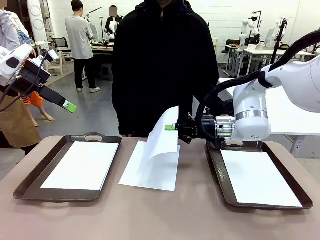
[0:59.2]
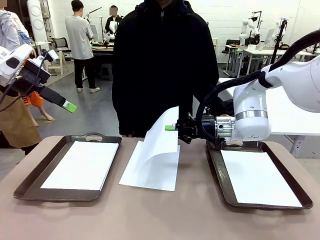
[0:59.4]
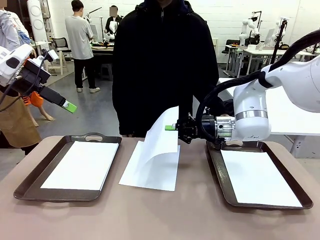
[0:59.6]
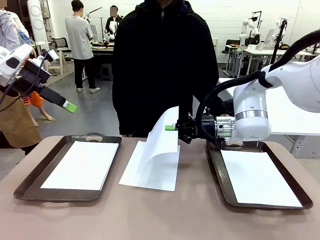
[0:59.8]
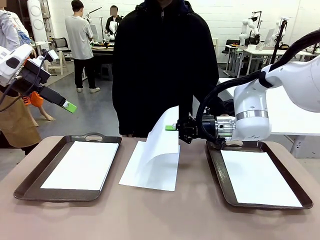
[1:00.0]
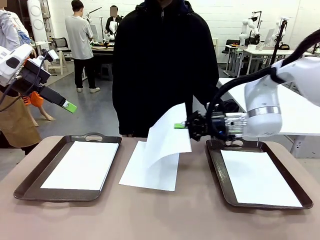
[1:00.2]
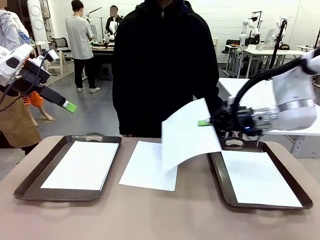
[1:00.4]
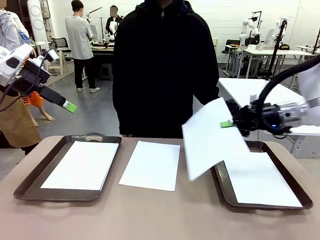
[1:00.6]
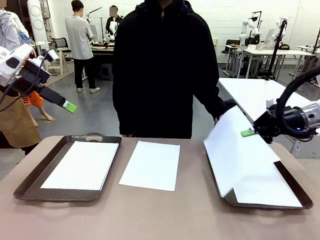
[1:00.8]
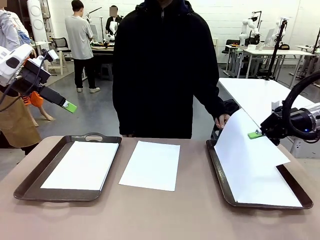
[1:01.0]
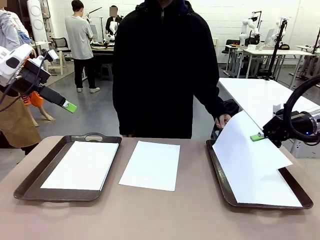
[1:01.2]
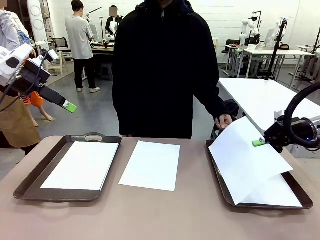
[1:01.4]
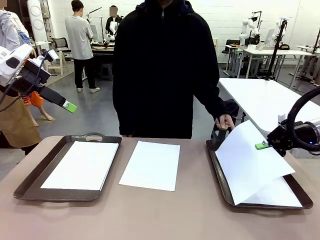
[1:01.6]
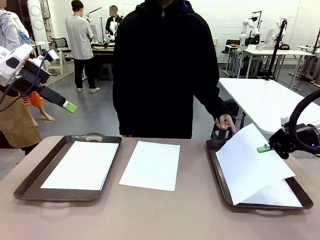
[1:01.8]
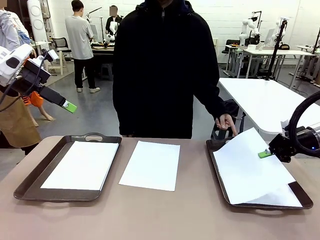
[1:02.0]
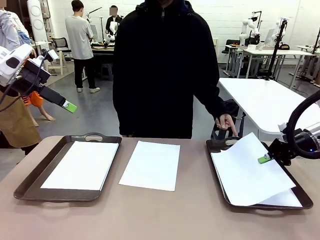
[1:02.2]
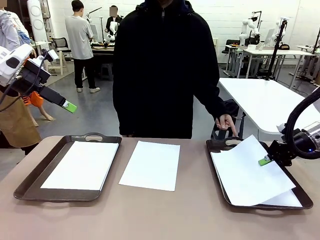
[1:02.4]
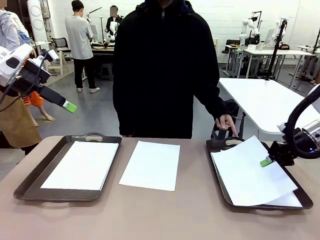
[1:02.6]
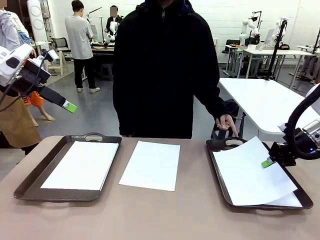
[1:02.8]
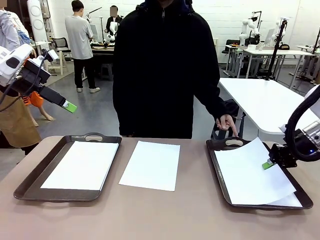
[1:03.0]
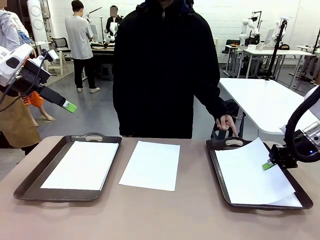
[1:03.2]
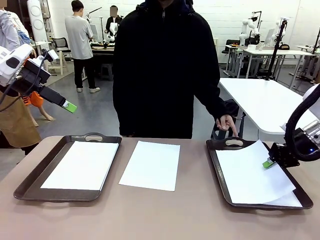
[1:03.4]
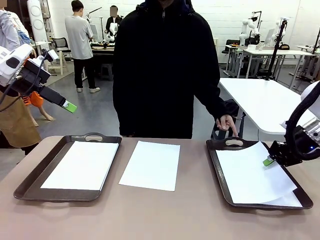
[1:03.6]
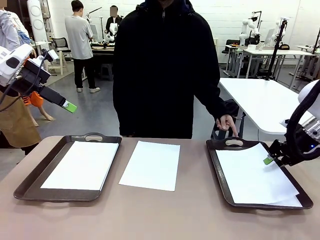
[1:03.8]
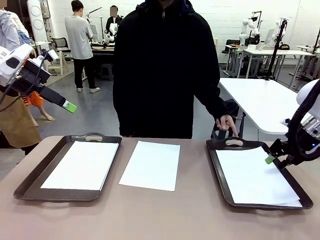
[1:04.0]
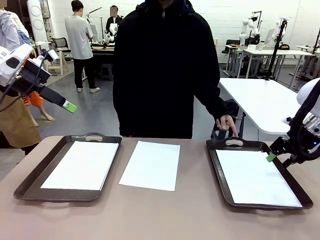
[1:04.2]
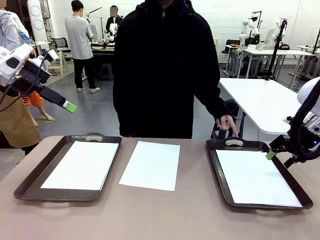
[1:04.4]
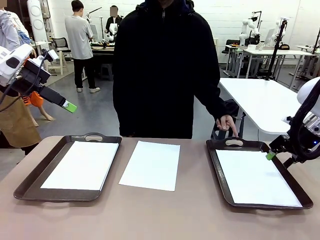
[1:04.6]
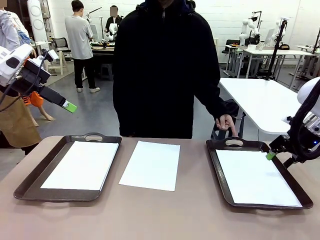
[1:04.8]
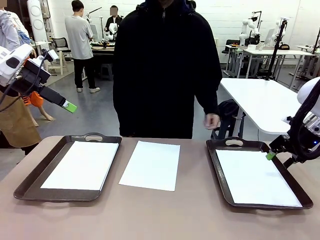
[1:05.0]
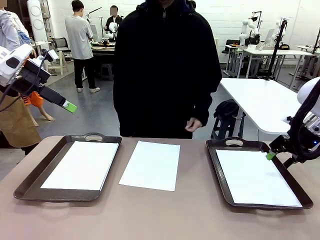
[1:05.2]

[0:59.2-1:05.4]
Task: Sort the A4 documents.
Robot: Place the A4 Paper in the designated Handle tray.

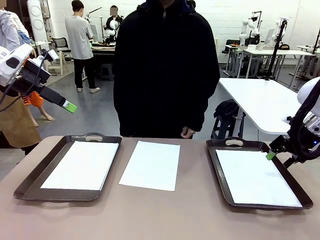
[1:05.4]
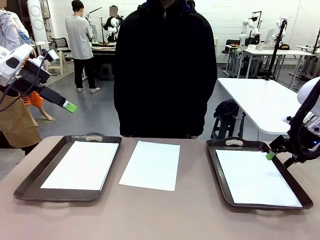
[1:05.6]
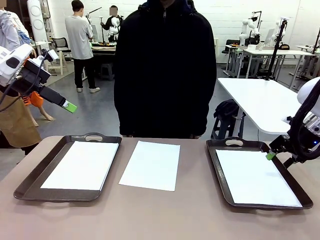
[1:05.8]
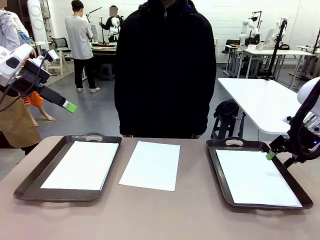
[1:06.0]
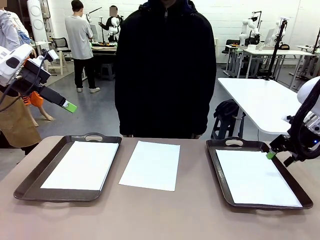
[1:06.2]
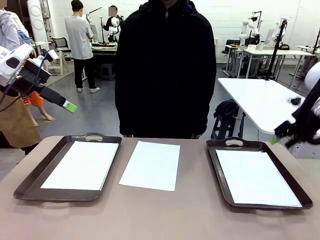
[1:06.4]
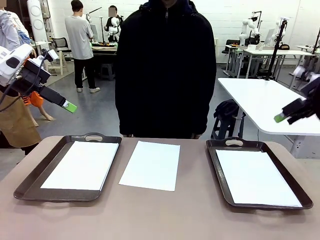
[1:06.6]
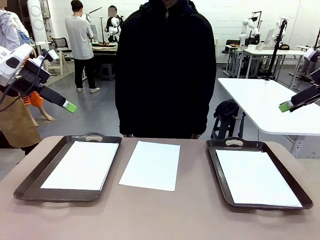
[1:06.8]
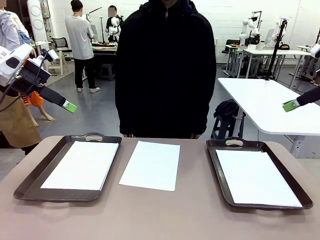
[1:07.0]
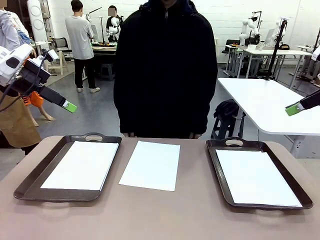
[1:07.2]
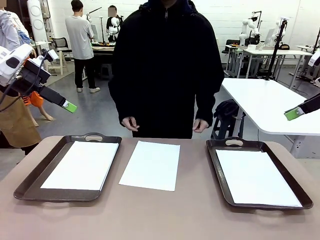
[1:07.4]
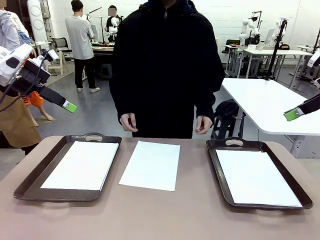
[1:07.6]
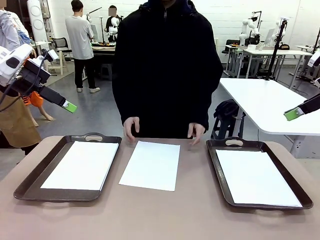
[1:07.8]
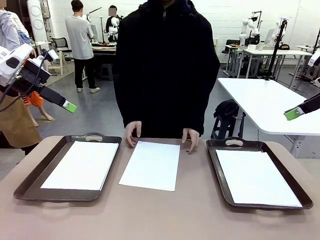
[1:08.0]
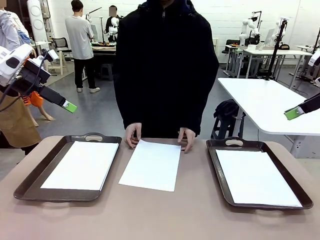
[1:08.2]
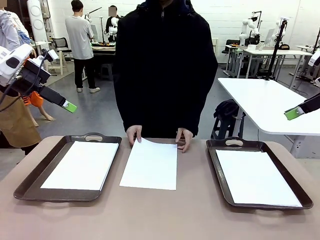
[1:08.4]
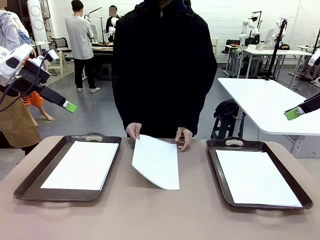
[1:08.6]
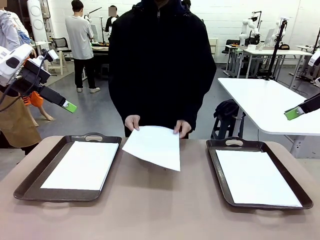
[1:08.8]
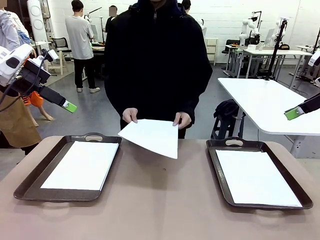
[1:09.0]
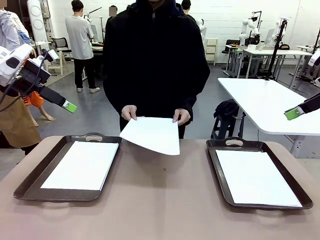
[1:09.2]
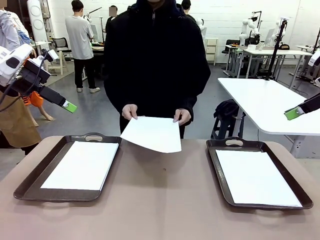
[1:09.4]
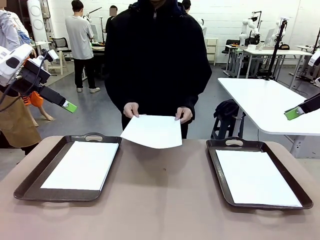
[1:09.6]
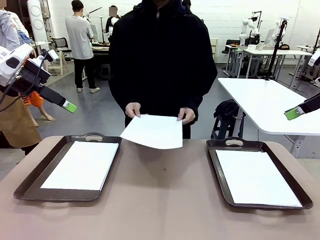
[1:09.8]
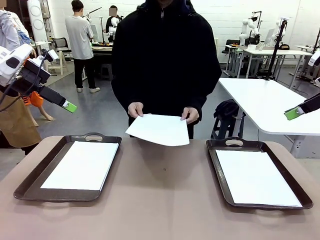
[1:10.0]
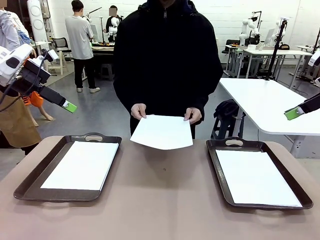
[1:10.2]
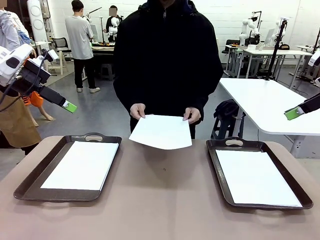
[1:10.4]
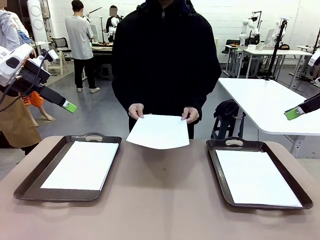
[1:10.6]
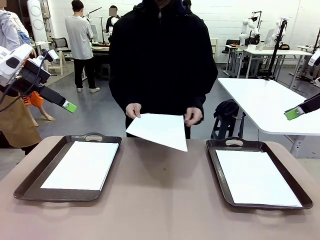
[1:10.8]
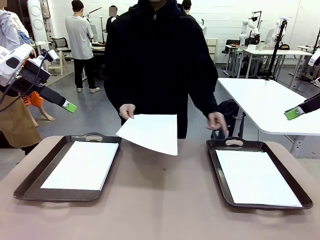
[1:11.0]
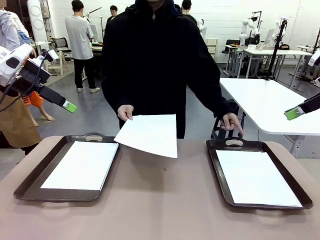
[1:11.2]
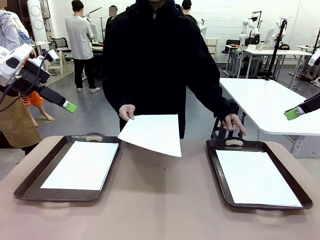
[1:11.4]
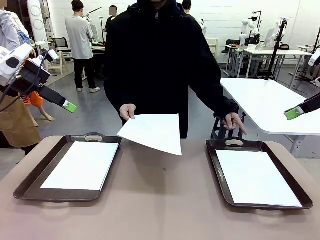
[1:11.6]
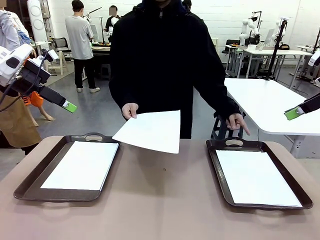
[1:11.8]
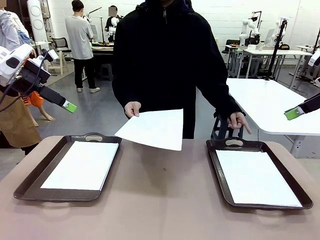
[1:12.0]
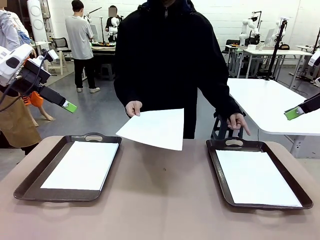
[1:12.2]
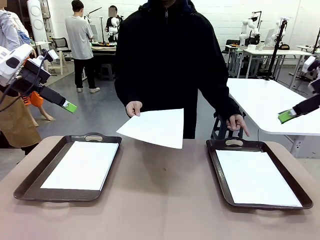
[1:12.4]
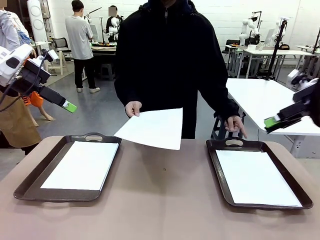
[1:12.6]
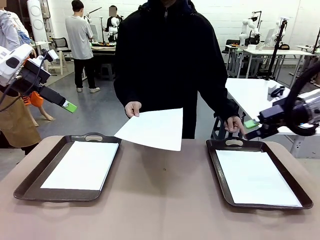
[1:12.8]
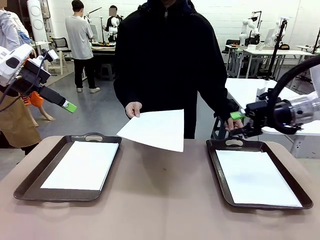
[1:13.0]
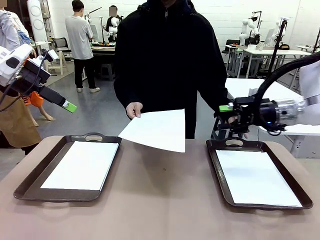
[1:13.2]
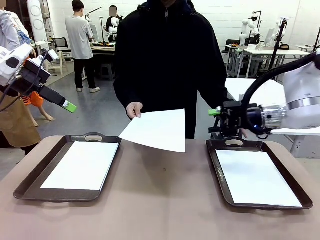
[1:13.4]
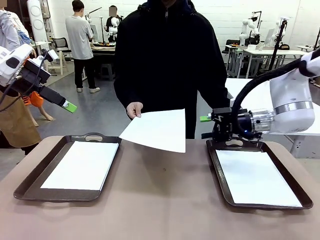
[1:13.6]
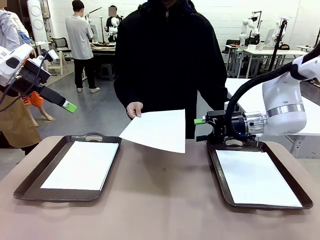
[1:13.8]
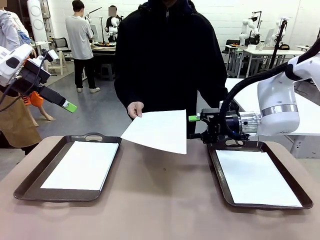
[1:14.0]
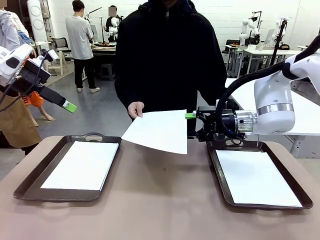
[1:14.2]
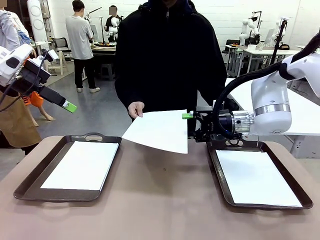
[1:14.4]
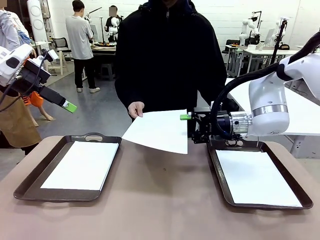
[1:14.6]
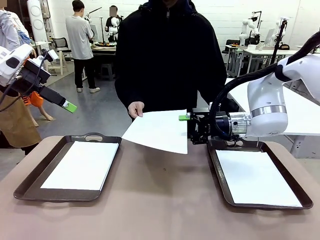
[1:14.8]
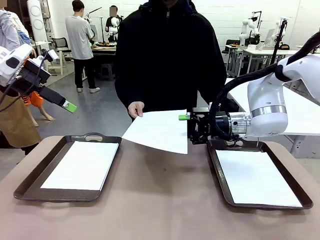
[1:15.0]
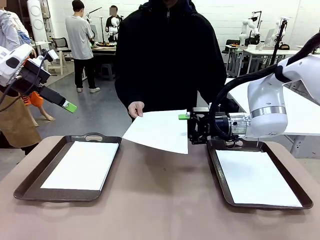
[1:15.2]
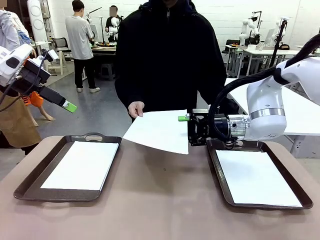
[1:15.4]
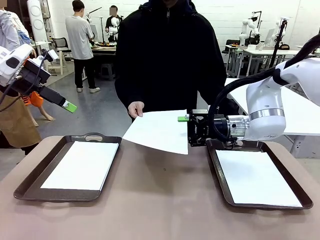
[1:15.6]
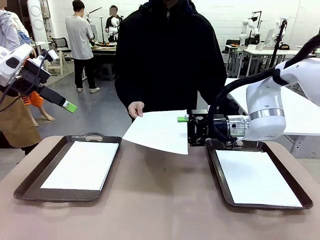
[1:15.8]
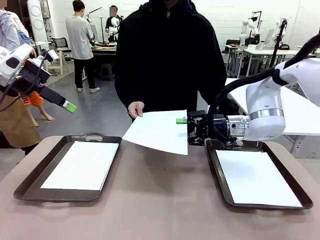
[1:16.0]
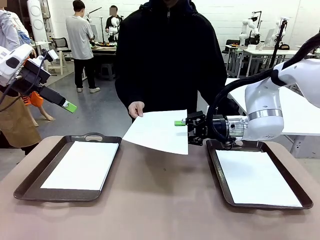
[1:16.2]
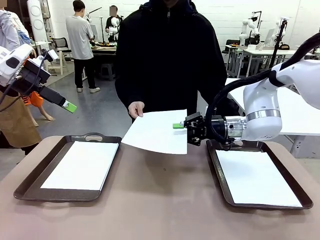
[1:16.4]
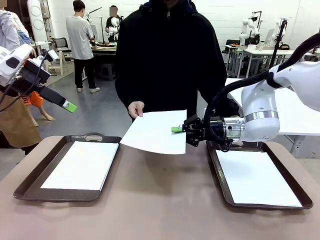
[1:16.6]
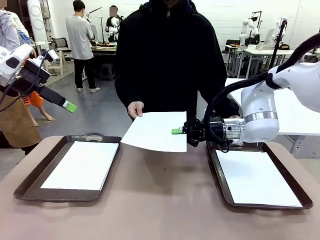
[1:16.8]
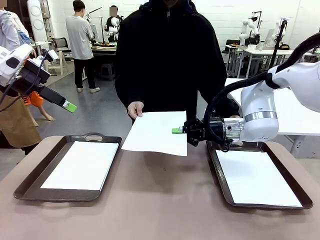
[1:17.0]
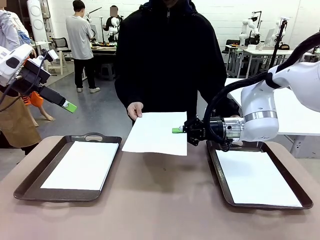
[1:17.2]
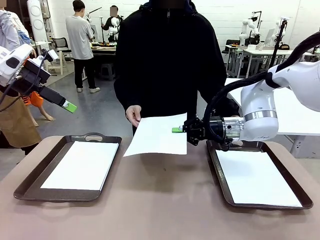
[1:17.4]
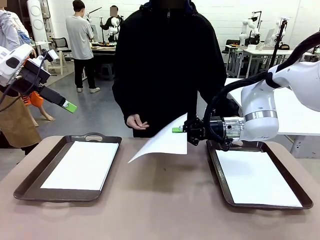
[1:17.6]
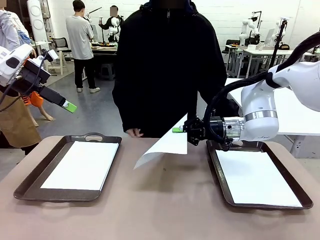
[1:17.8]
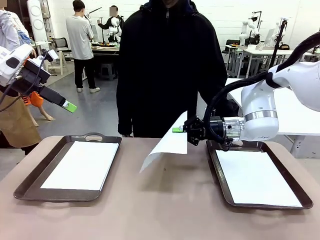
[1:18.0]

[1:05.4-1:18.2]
Robot: Receive the A4 Paper.
Person: Point the randomly selected tray with the other hand.
